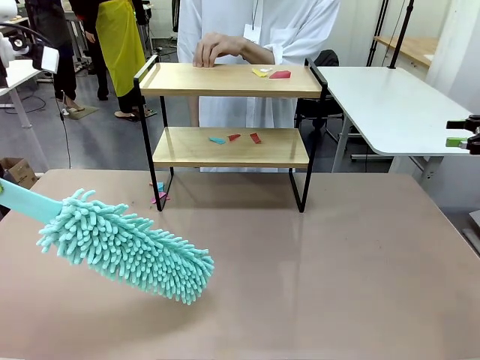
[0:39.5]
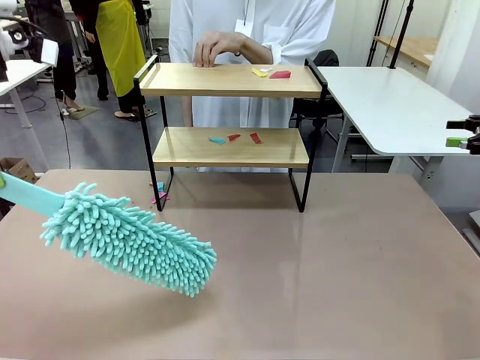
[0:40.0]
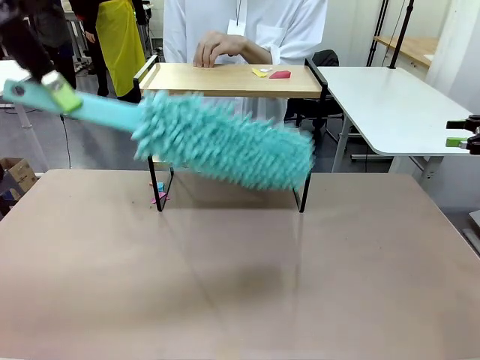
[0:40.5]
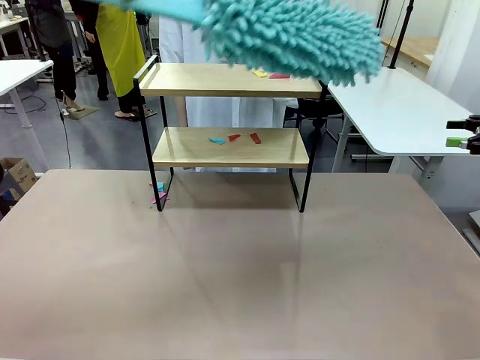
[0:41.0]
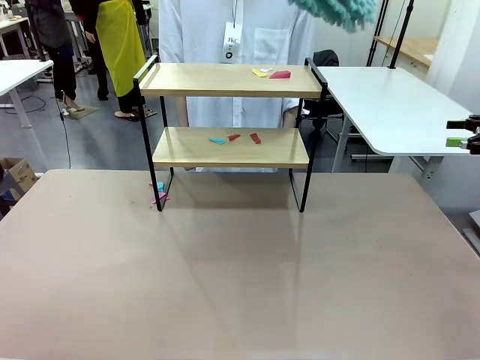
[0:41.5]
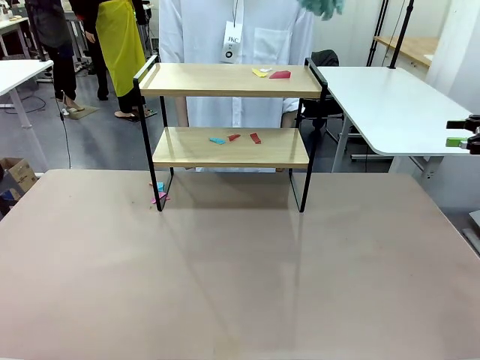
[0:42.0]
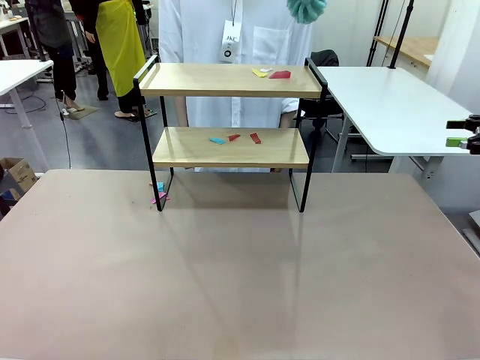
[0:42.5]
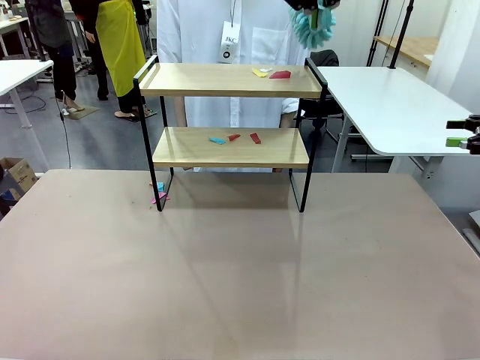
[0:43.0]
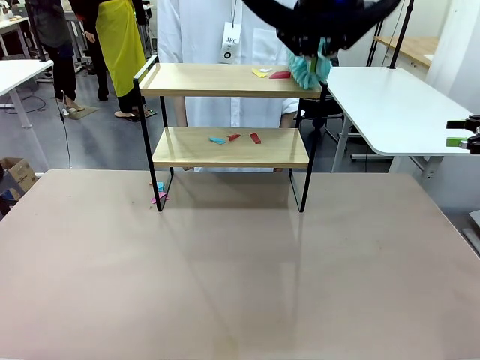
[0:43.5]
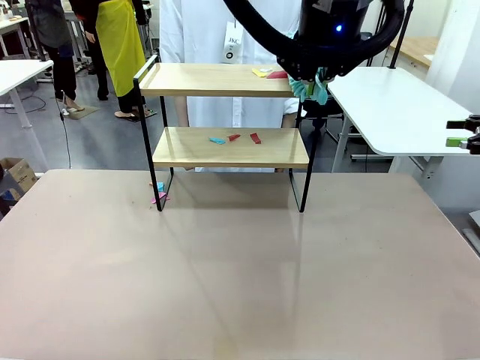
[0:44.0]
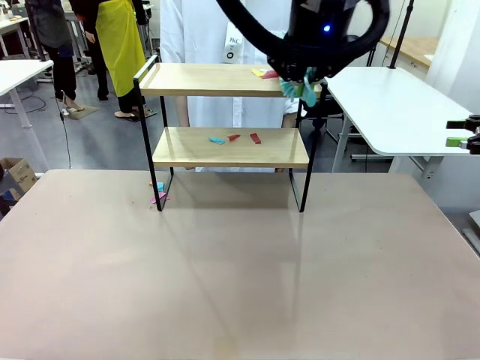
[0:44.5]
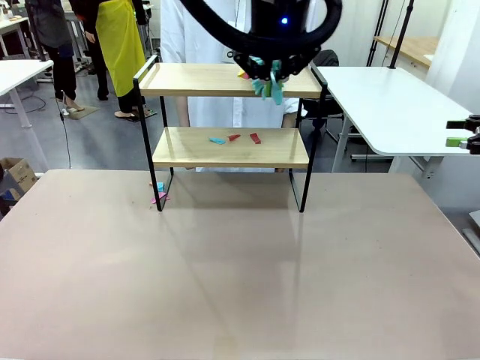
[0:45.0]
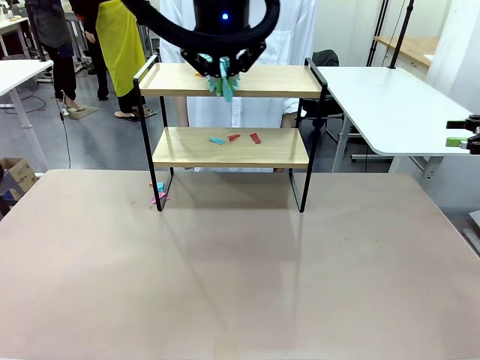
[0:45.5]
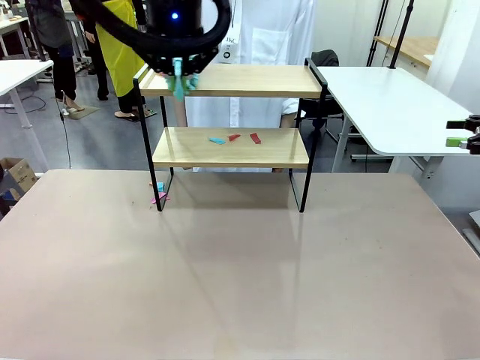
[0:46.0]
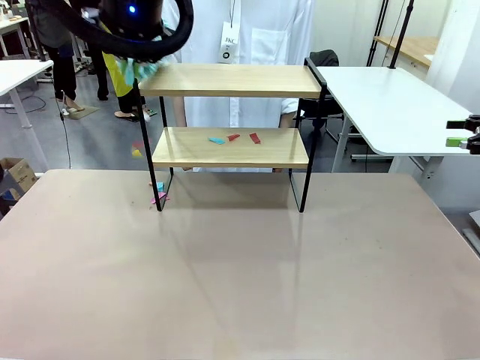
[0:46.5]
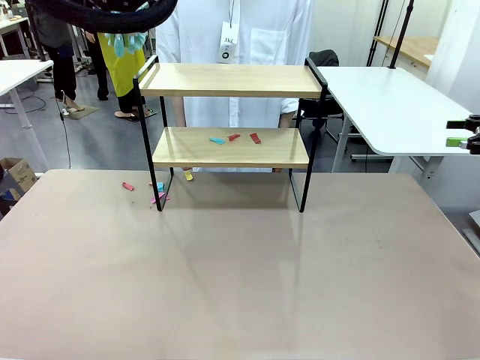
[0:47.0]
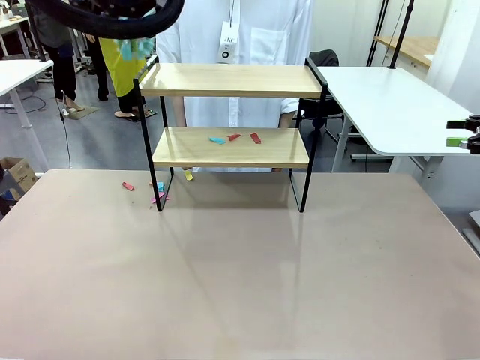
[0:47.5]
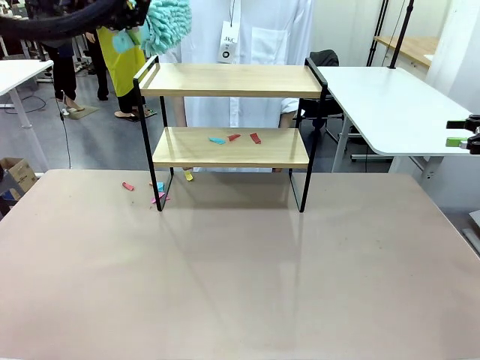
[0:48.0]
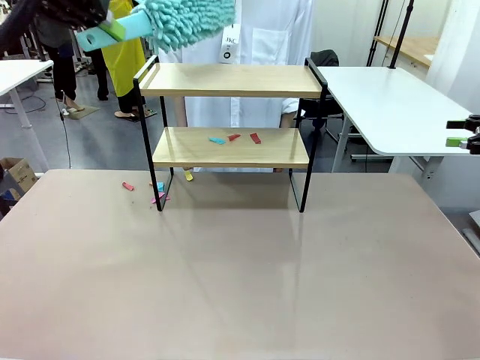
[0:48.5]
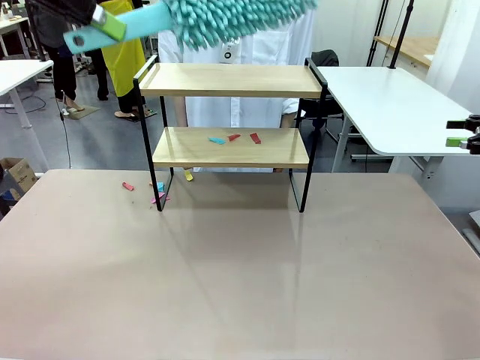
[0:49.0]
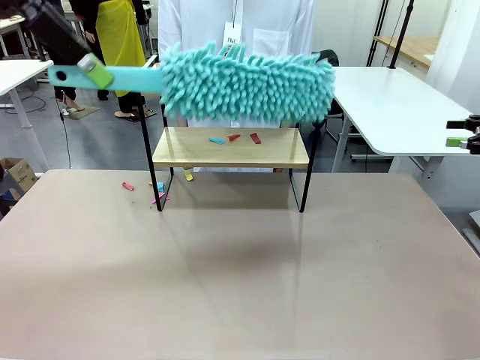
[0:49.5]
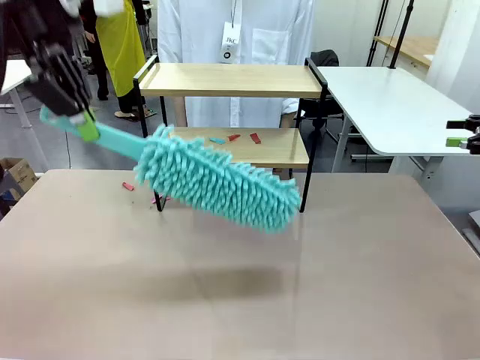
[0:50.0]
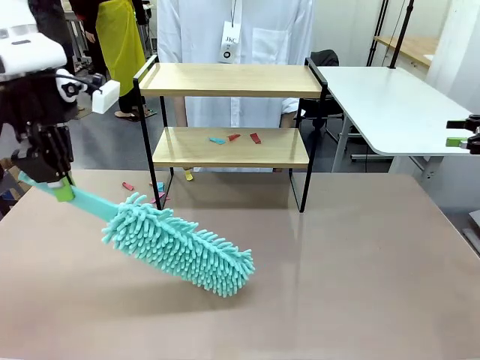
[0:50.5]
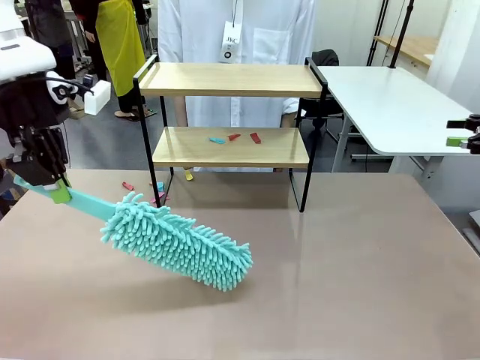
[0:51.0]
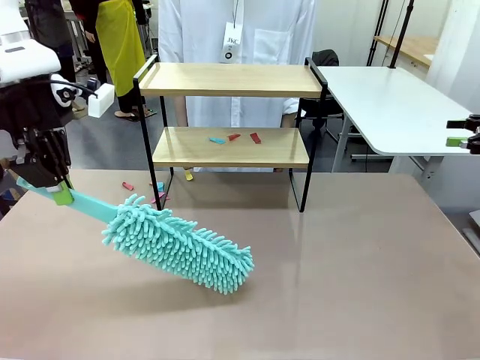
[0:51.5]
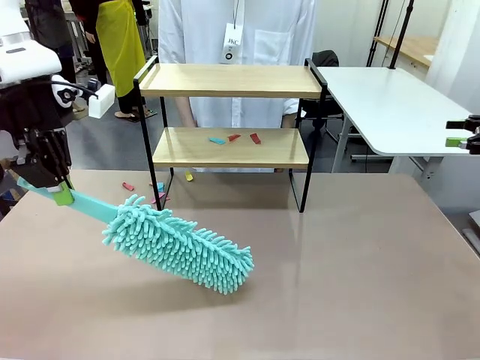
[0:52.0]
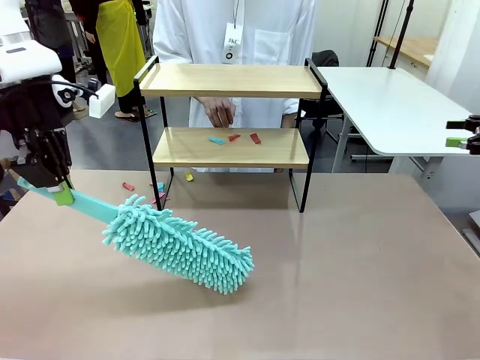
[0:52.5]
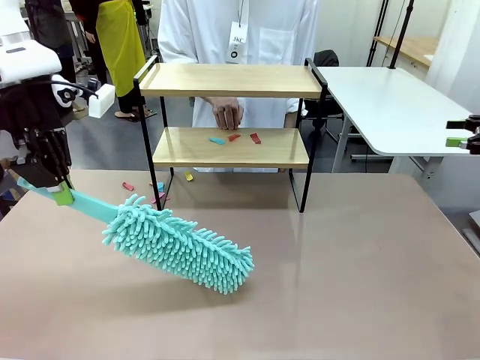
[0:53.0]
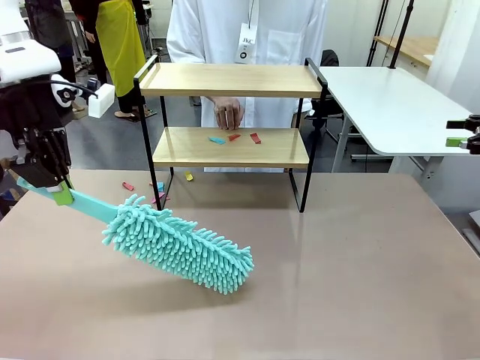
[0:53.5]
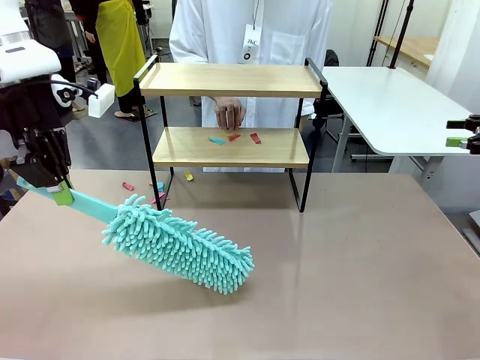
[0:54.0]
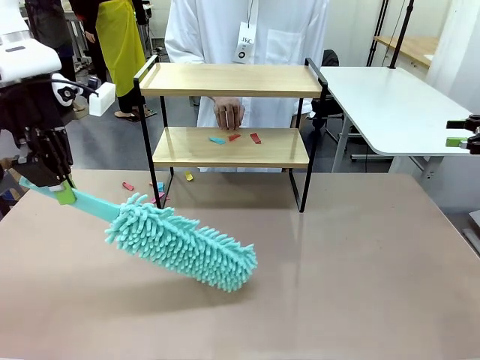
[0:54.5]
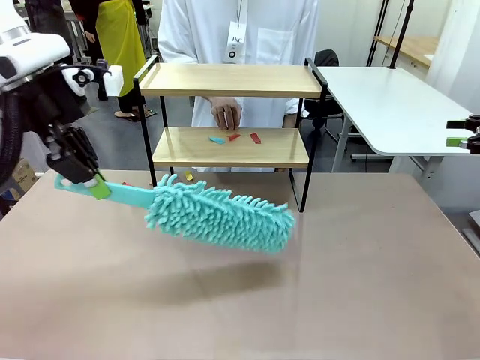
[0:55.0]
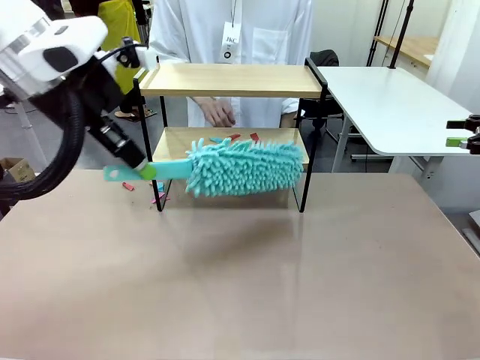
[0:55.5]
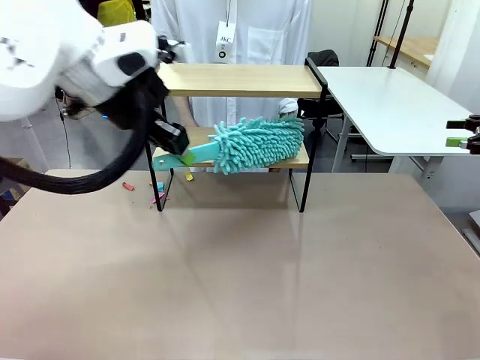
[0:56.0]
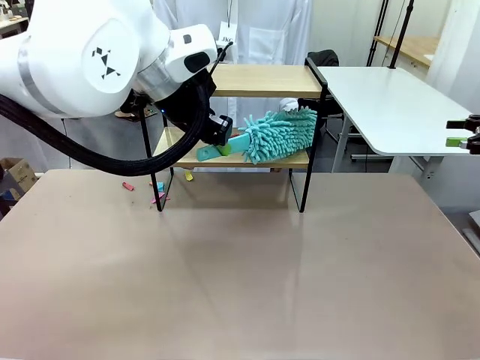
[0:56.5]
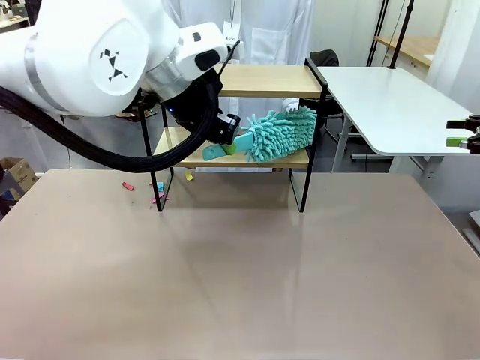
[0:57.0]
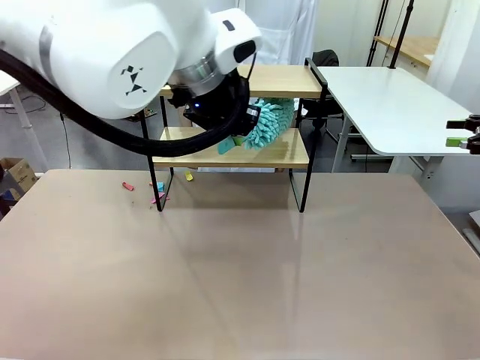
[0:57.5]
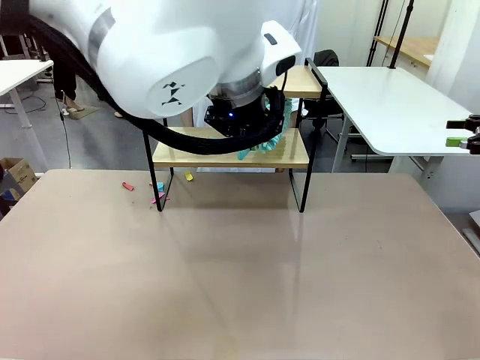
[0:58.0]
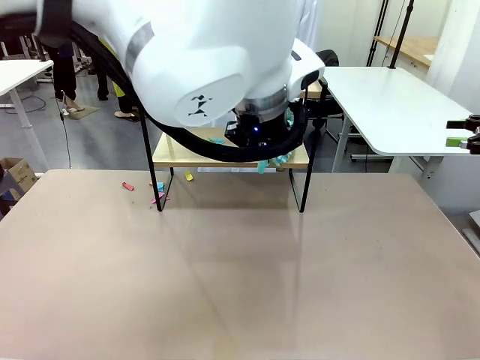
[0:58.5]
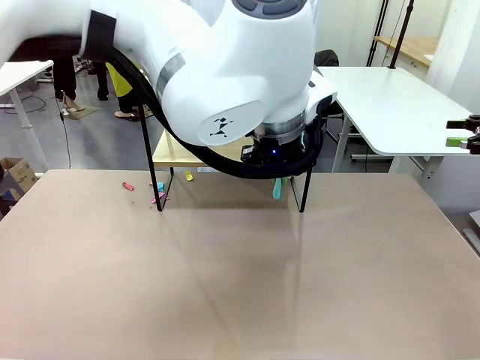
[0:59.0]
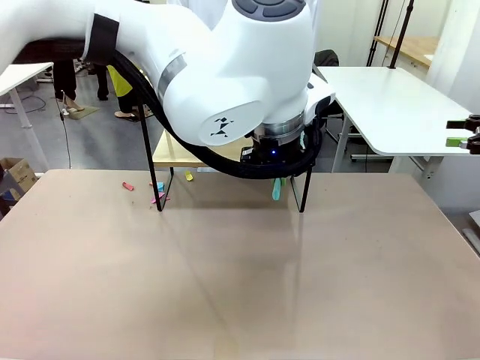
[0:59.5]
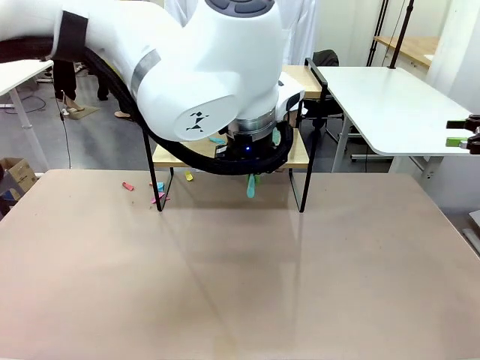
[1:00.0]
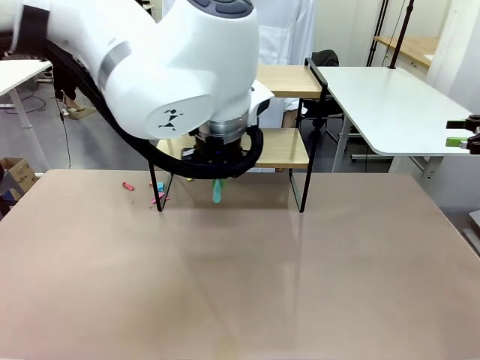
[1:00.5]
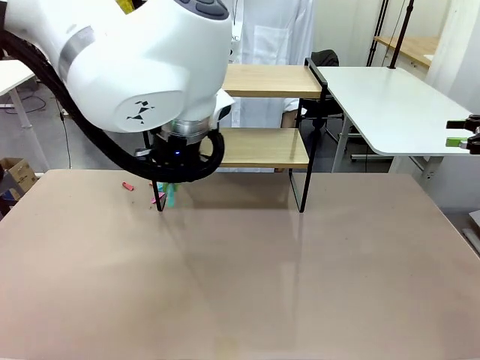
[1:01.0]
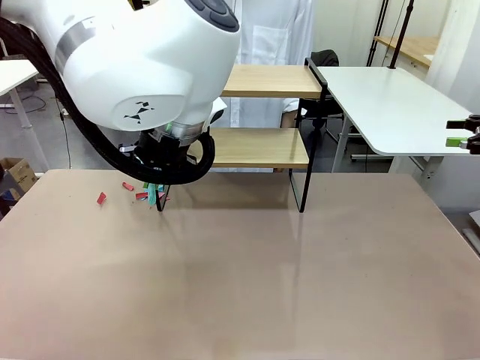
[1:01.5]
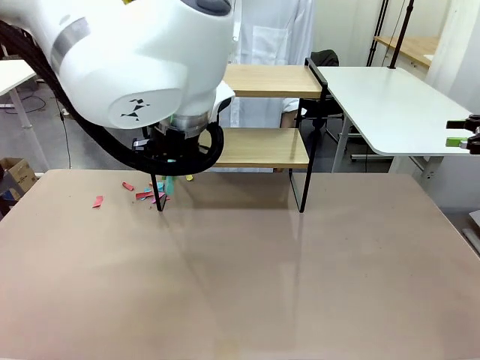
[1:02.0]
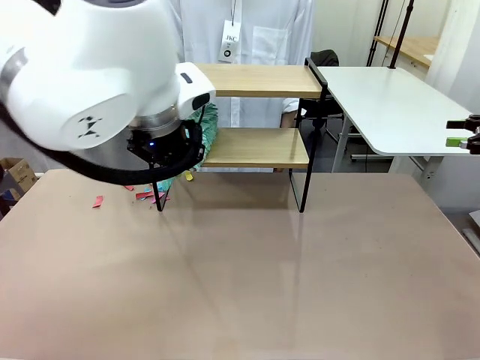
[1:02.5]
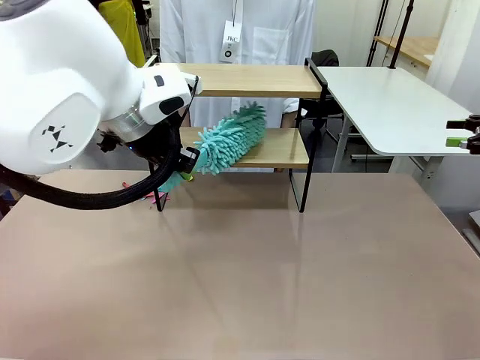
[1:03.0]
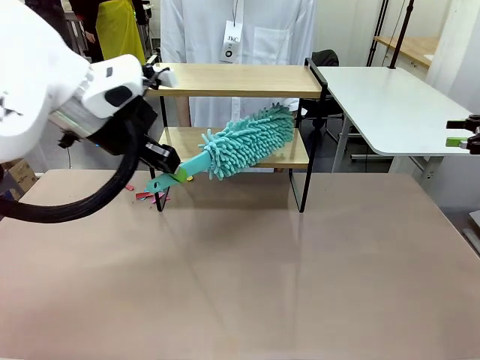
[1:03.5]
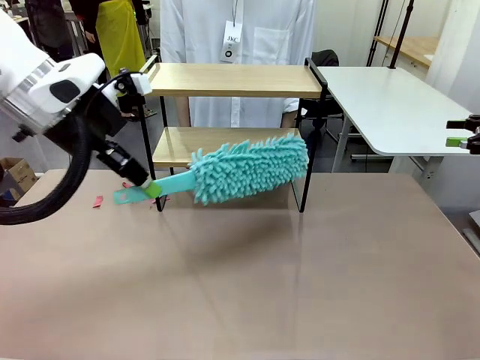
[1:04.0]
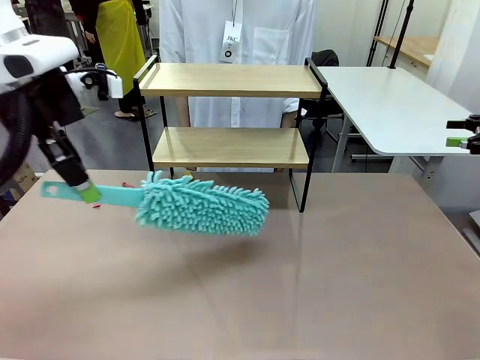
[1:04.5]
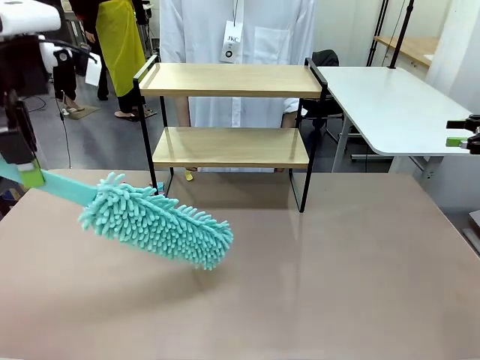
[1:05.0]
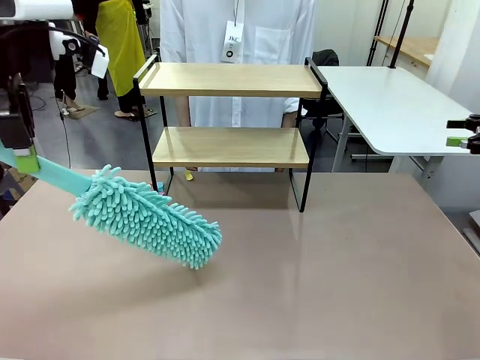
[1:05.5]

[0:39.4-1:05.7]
Task: Clean the shelf.
Robot: Clean the specific section of the Shelf indicated by the human with the Duster.
Person: Point a remaining section of the Shelf.
